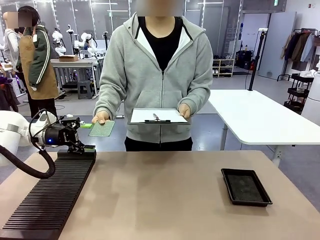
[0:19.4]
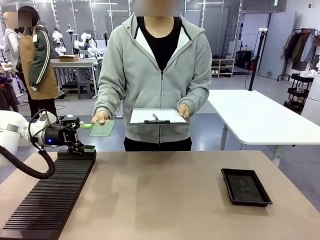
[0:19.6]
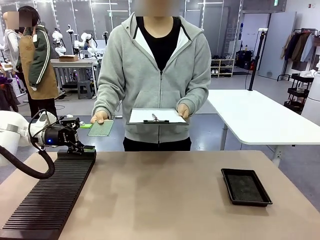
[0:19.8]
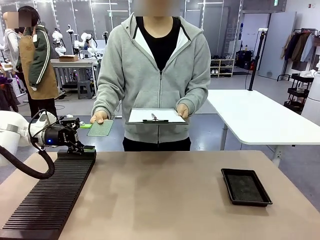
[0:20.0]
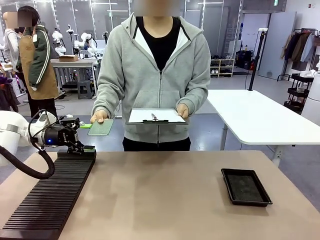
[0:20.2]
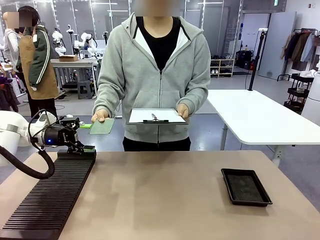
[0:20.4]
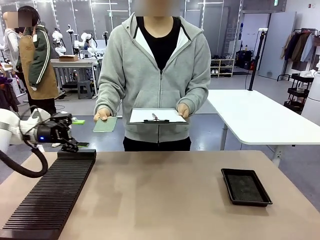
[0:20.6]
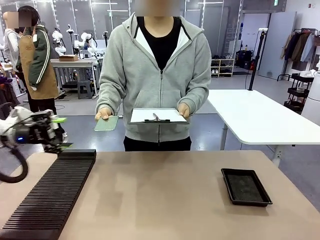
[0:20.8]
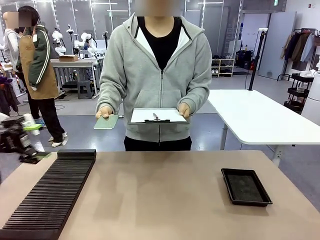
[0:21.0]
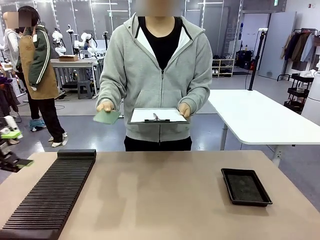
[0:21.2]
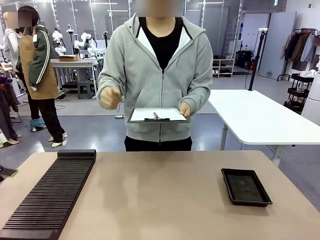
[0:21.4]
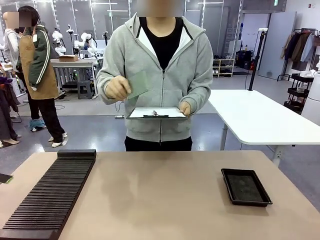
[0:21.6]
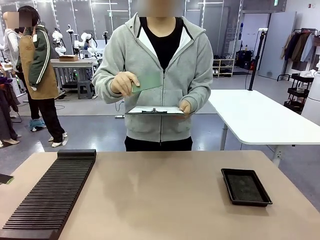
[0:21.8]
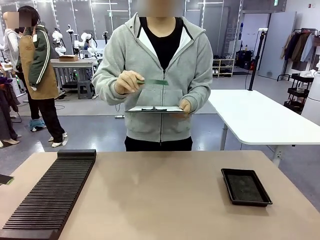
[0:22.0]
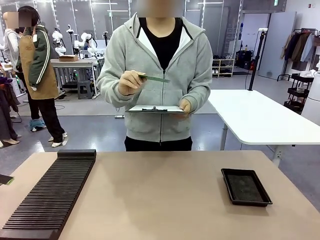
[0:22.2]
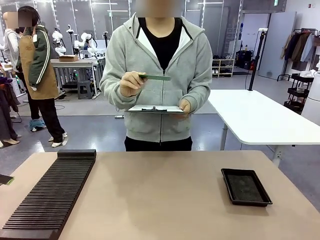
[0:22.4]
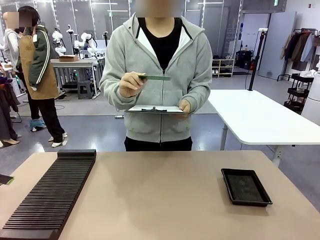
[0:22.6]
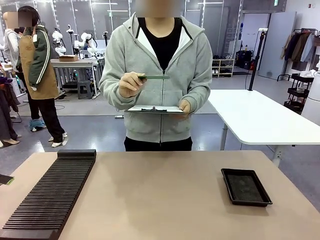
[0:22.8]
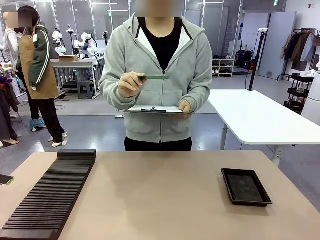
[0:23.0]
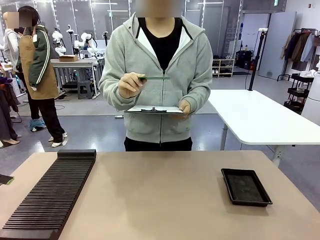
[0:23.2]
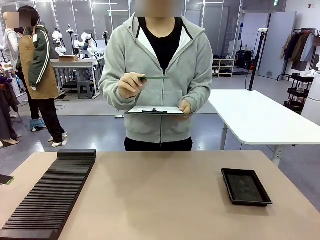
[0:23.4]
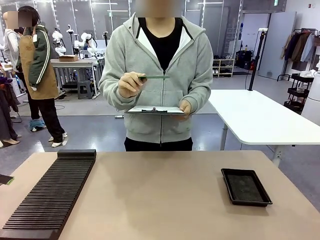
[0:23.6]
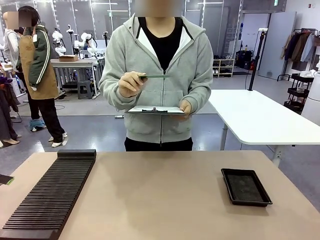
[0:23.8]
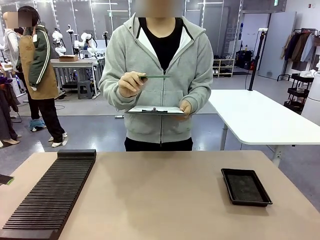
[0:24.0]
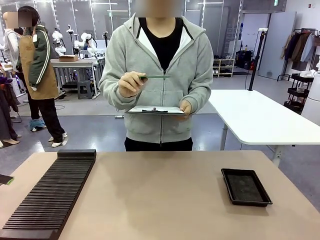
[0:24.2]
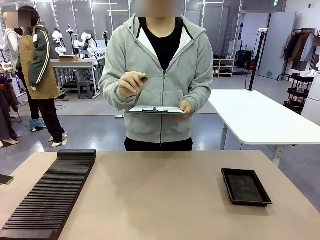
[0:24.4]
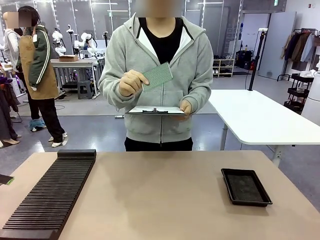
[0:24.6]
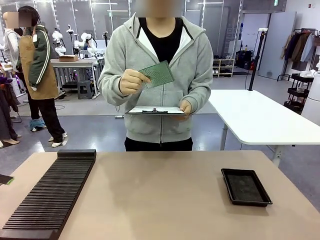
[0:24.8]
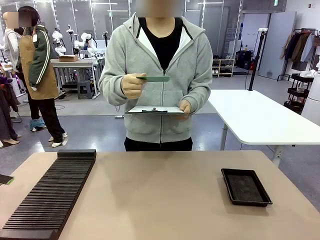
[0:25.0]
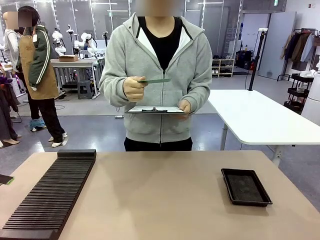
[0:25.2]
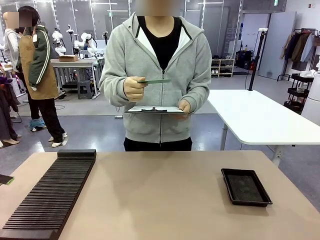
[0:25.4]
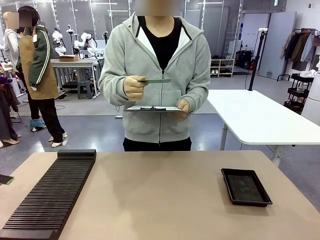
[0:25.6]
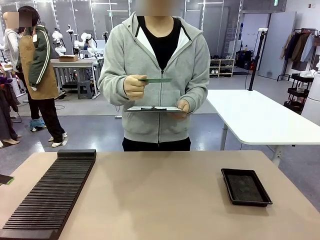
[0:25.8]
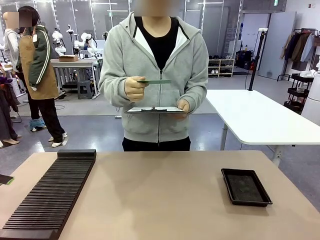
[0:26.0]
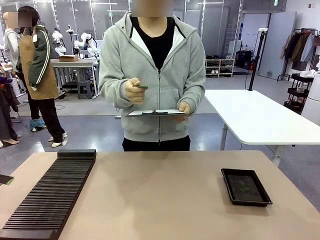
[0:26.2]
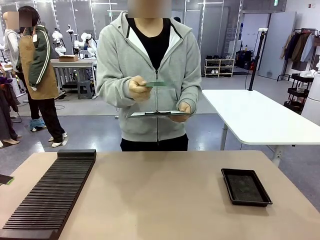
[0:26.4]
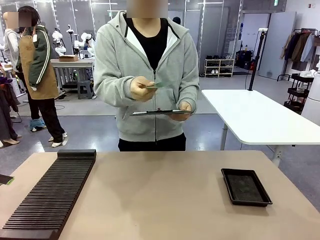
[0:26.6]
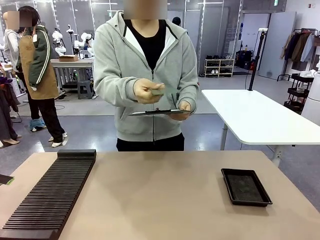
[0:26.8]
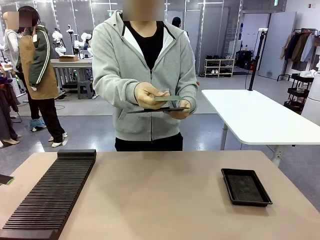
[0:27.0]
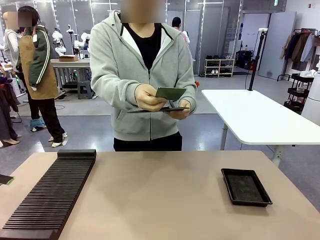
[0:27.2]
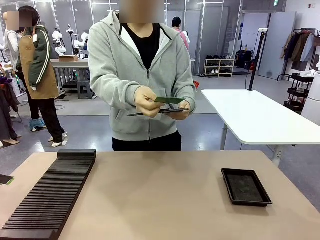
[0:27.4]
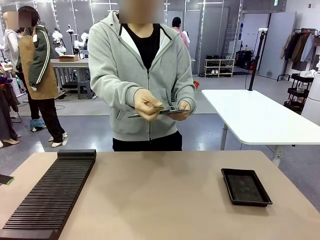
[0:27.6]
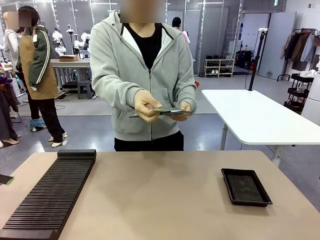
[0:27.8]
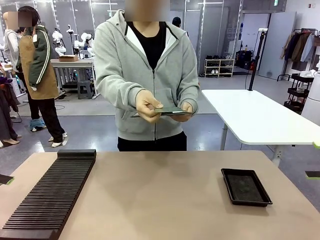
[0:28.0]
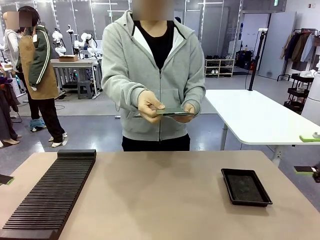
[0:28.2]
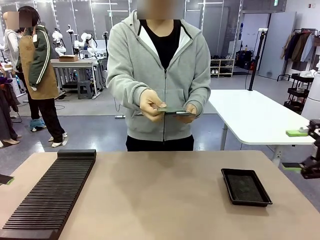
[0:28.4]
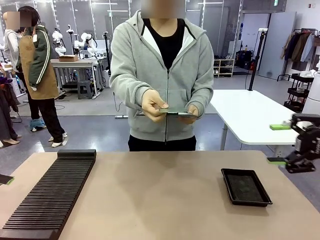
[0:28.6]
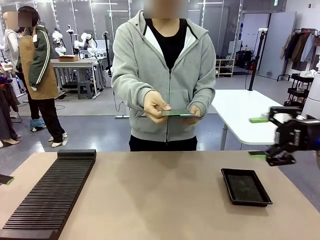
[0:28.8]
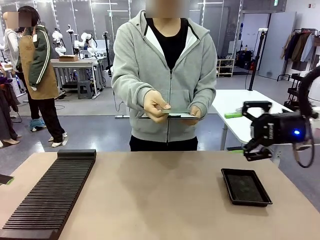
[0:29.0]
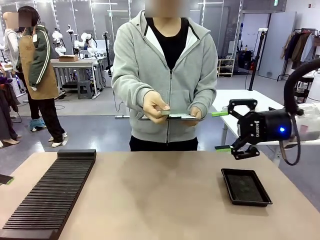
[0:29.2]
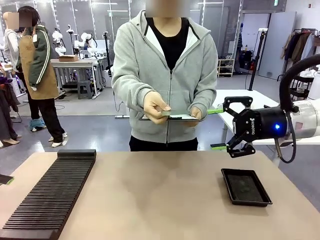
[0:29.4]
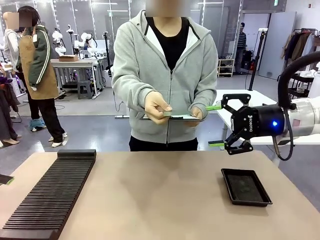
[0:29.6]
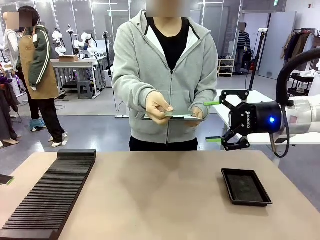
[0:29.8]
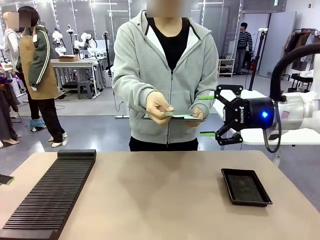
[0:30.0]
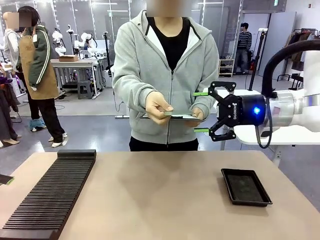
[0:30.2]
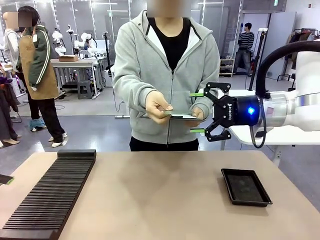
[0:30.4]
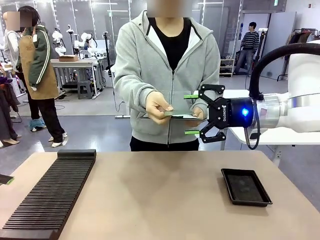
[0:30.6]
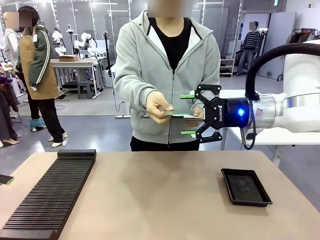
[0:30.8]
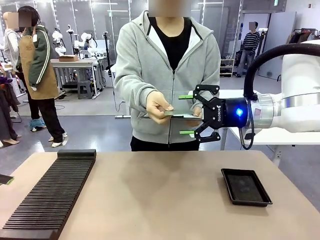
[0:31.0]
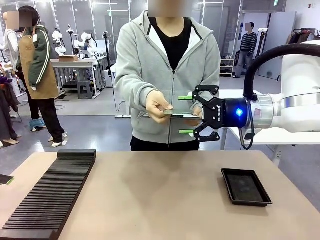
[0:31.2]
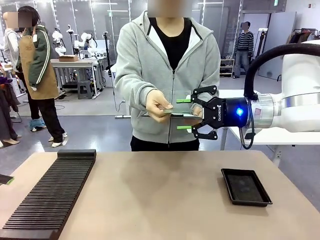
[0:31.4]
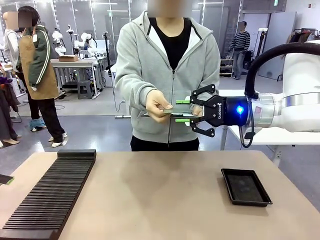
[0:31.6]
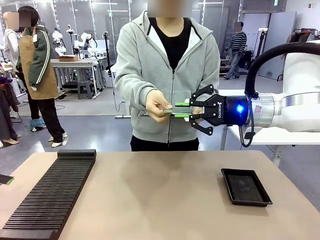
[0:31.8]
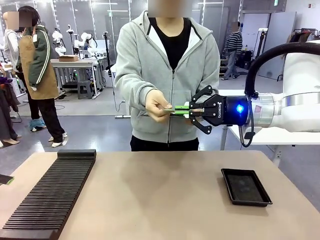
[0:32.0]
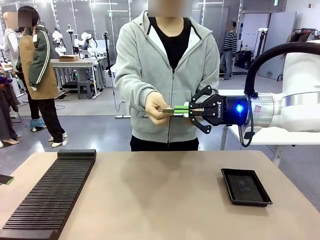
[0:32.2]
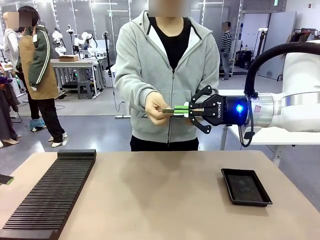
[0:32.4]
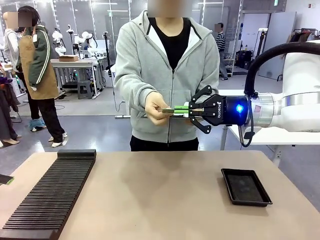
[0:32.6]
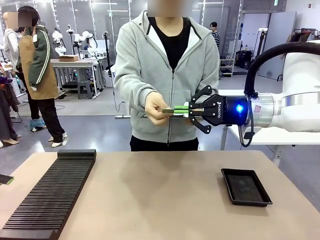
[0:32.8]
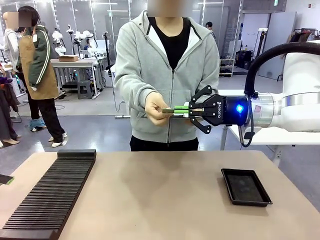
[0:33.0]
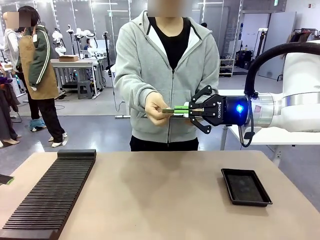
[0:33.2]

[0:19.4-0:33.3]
Task: Inspect the PCB.
Robot: Pick up the Blank PCB that the human is holding.
Person: Inspect the PCB placed by the robot, then hold it out in front of the robot. Release the PCB you were holding.
